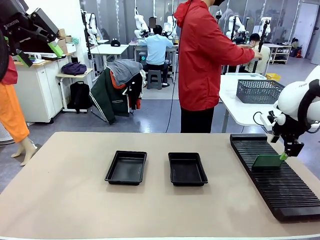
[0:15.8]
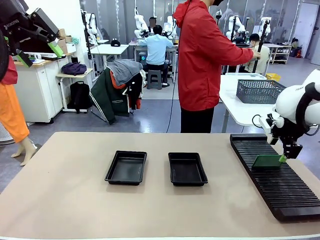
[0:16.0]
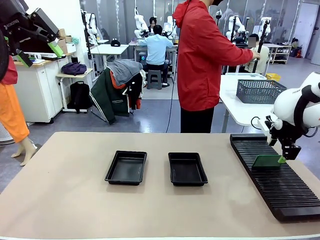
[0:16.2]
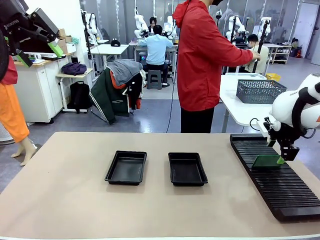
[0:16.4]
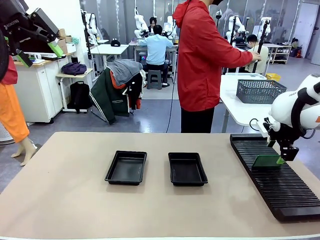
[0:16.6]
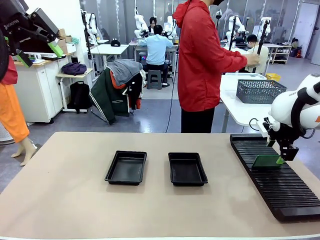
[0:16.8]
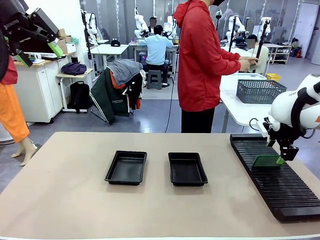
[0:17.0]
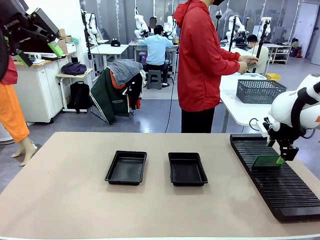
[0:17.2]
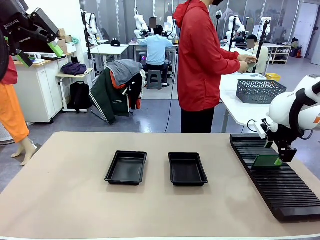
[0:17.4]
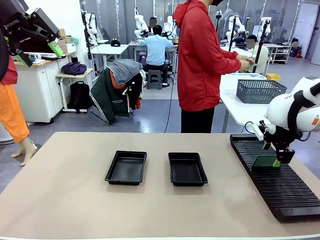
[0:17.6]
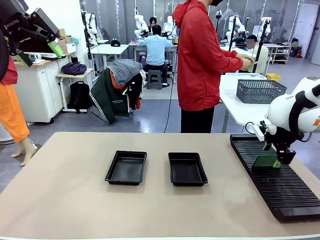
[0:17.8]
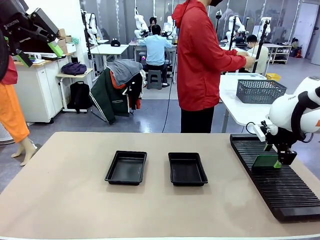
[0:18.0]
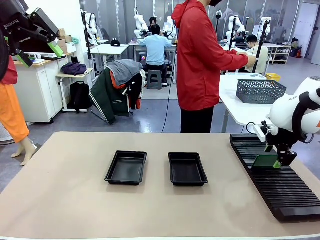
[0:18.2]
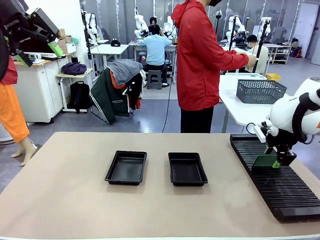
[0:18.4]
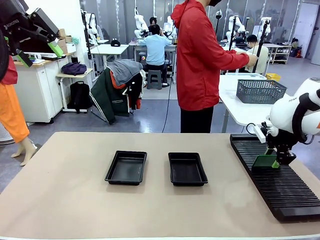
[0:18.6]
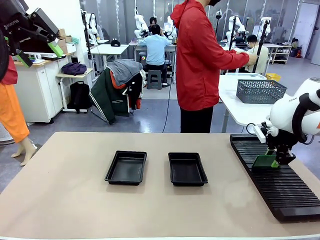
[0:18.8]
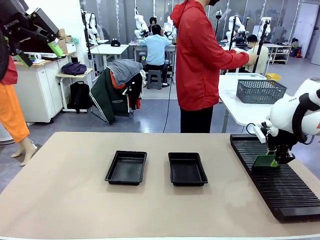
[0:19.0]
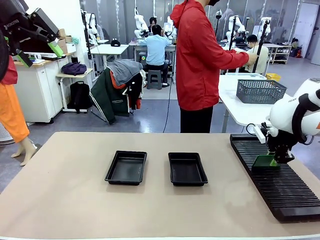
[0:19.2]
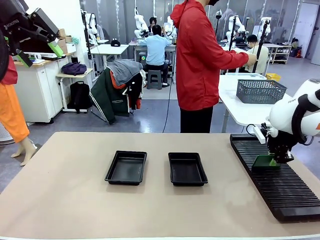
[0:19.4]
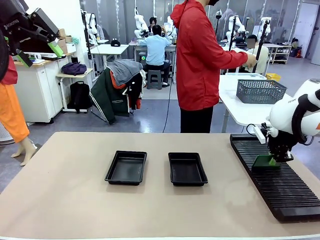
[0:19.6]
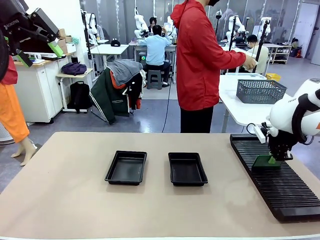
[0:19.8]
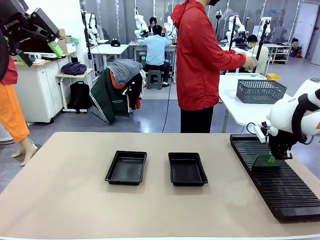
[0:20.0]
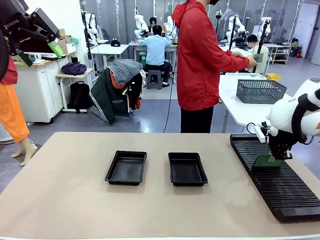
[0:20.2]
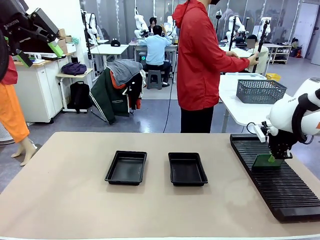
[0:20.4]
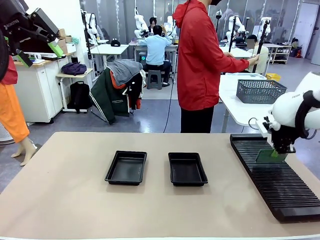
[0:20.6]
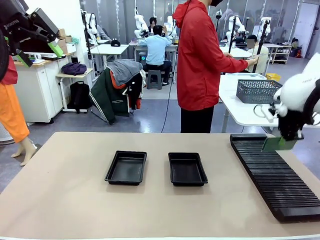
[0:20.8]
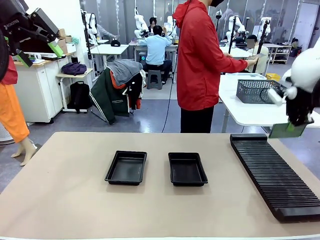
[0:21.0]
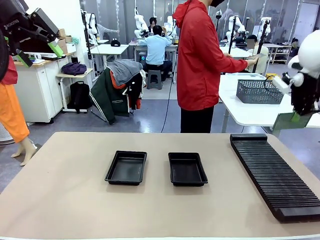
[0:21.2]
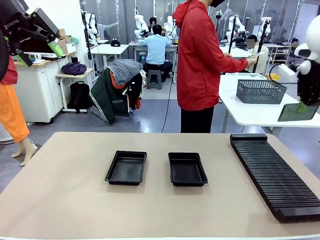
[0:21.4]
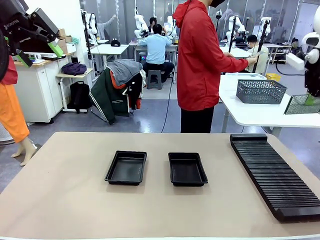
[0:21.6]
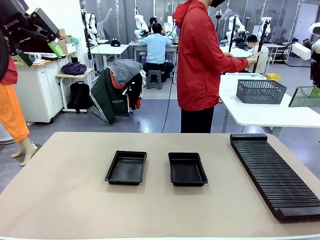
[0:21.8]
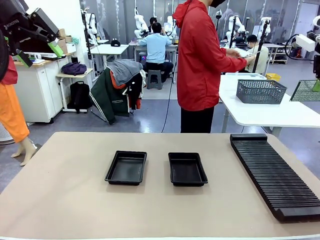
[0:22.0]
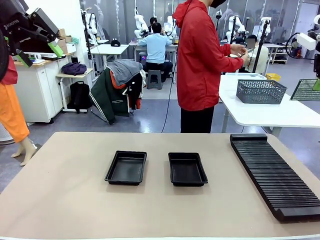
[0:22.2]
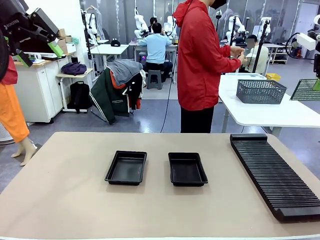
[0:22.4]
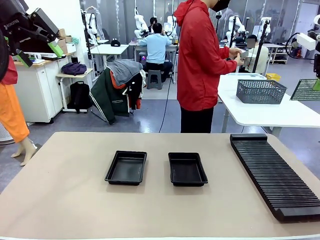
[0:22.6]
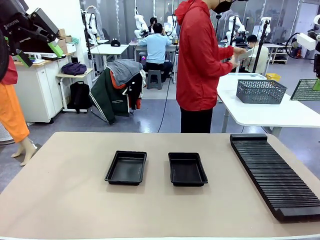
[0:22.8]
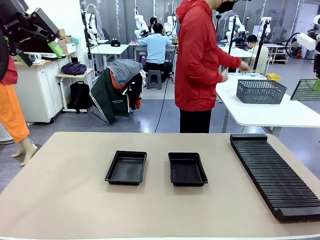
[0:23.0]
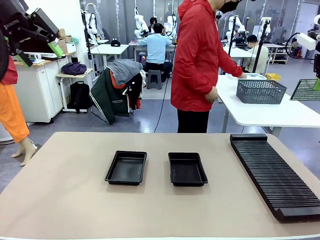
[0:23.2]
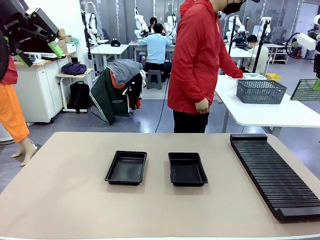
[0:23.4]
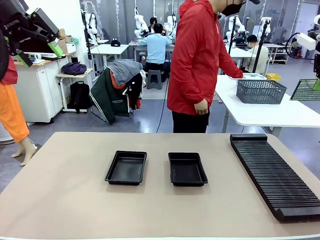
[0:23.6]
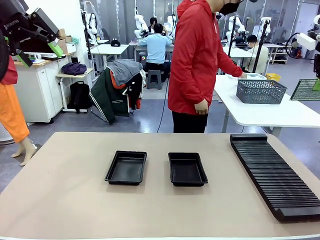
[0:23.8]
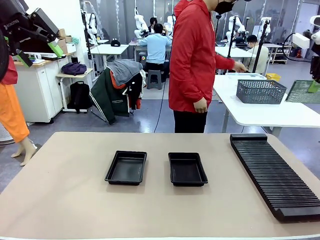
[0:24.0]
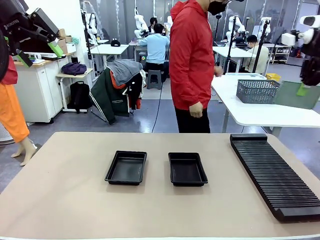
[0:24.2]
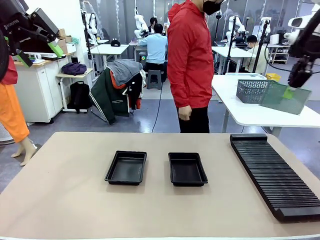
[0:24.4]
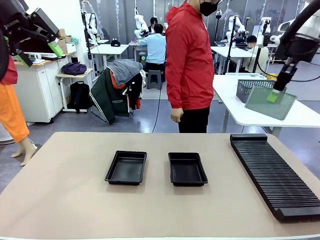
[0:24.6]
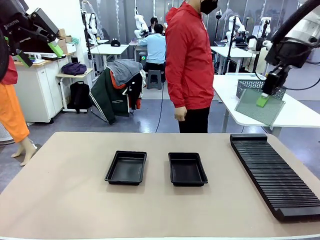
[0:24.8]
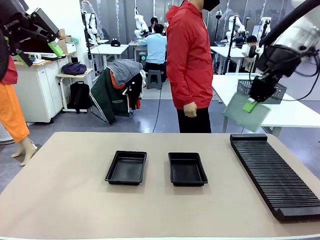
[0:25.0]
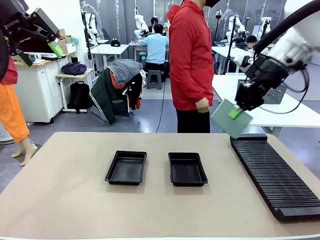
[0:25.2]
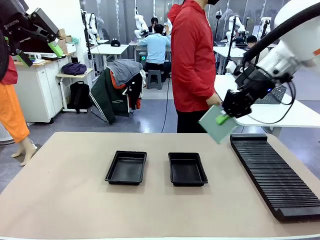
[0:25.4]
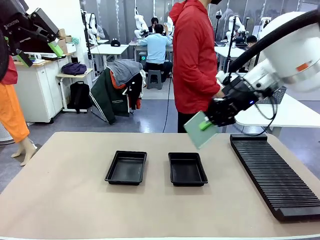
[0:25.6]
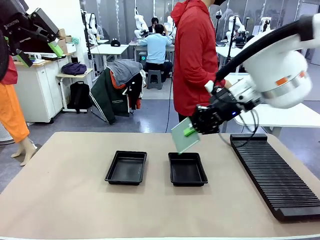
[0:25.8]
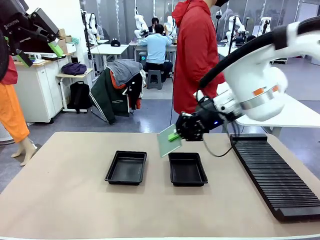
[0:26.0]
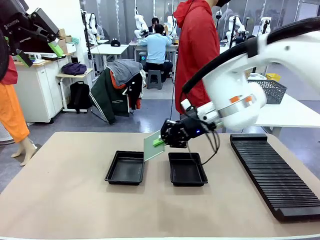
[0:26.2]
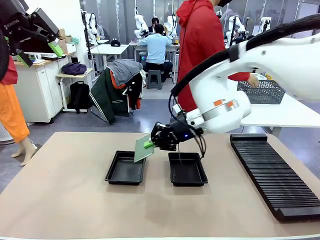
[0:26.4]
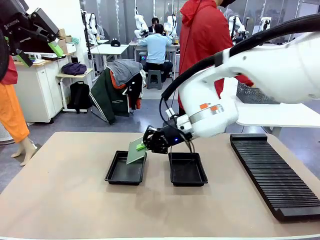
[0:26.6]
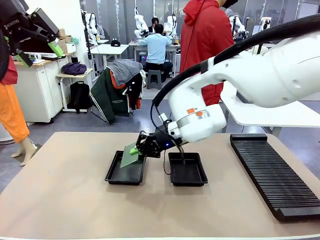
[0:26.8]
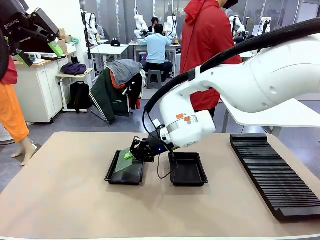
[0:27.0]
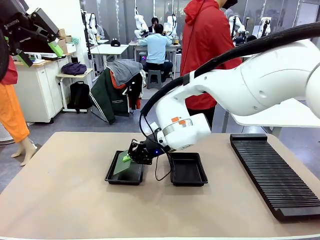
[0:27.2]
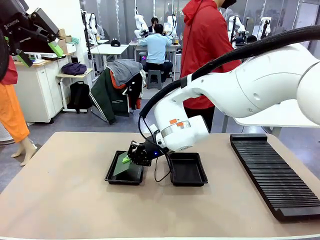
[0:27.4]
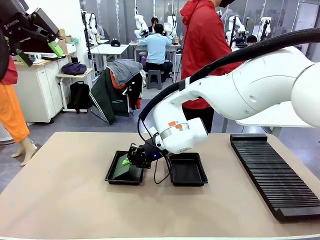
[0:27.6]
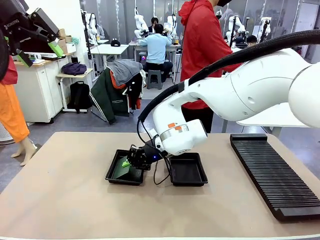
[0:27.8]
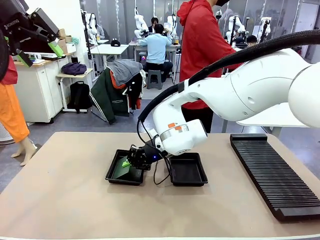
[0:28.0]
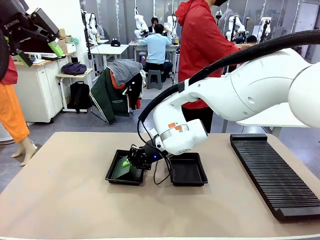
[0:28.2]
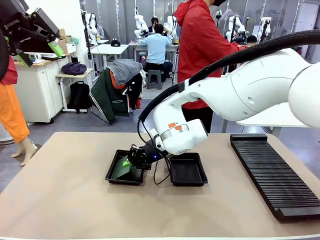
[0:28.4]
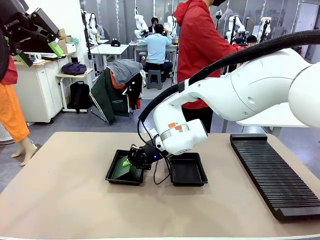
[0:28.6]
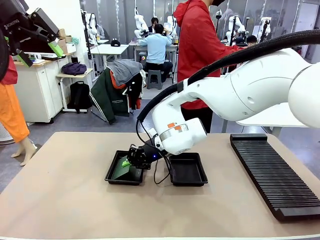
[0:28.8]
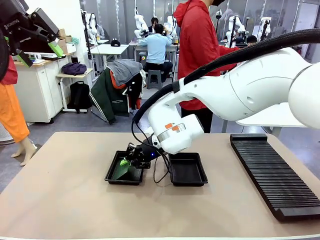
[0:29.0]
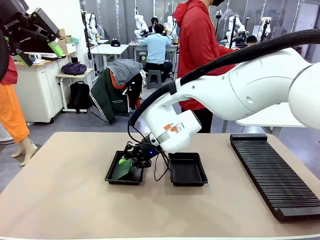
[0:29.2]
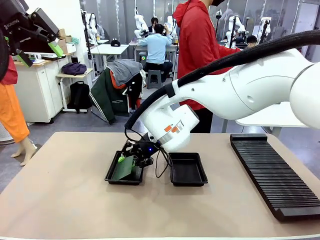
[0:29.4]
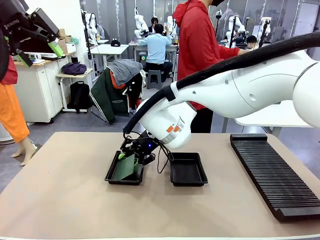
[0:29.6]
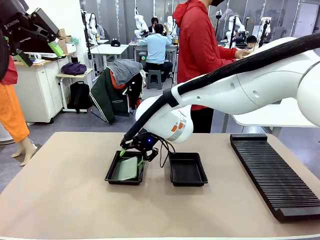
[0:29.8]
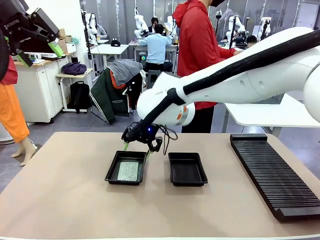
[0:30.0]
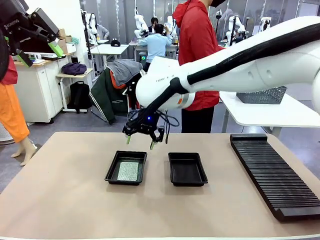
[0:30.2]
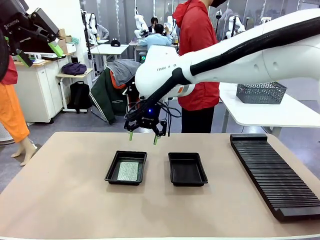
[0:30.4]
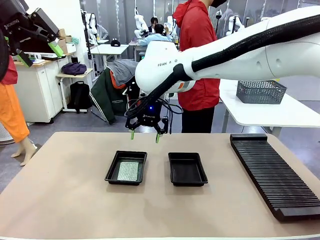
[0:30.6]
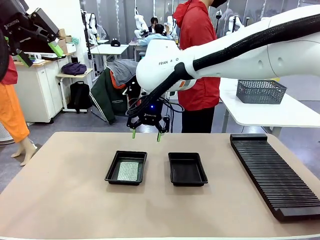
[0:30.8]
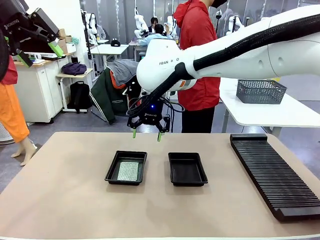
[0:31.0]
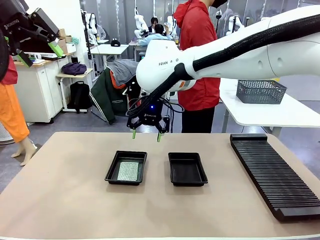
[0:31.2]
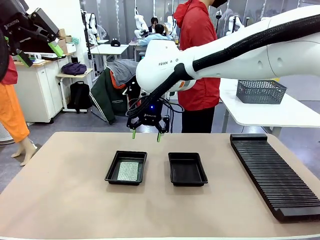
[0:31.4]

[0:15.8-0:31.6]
Task: Inspect and transfer BCBs to ESD trays.
Robot: Pick up the Blank PCB from the PCB Rack and place it in the left ESD tray.
